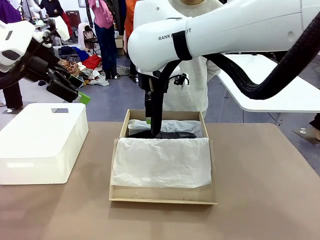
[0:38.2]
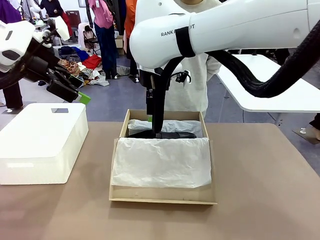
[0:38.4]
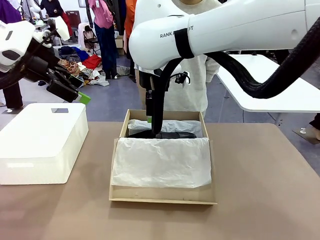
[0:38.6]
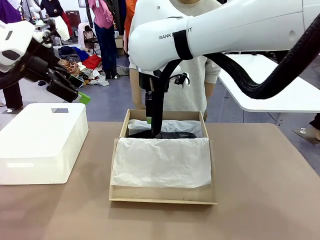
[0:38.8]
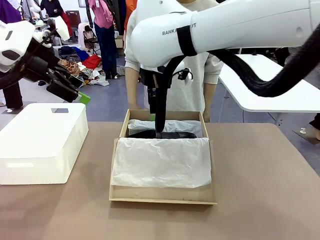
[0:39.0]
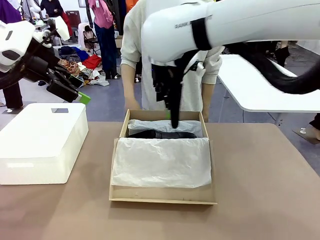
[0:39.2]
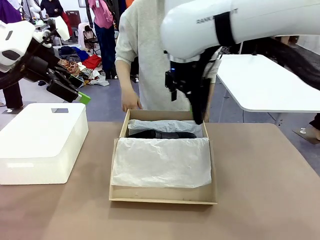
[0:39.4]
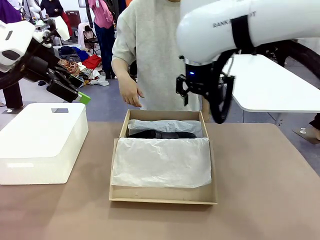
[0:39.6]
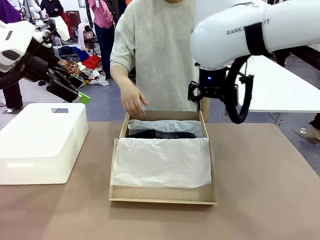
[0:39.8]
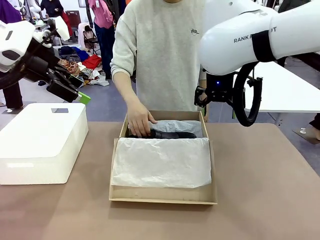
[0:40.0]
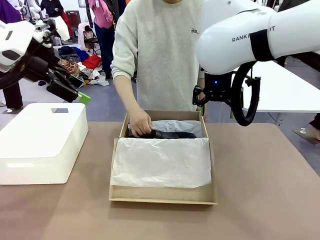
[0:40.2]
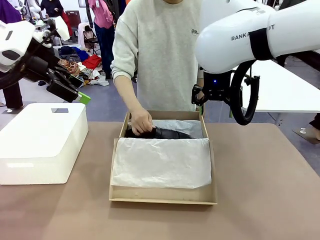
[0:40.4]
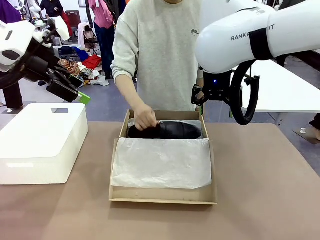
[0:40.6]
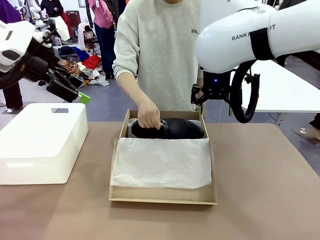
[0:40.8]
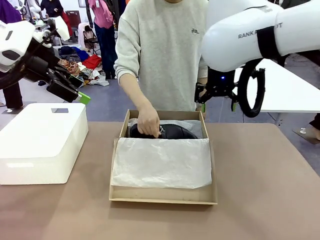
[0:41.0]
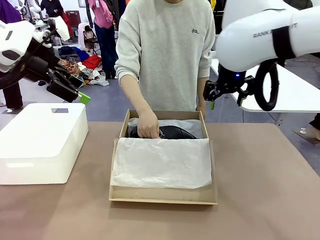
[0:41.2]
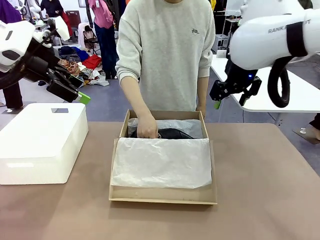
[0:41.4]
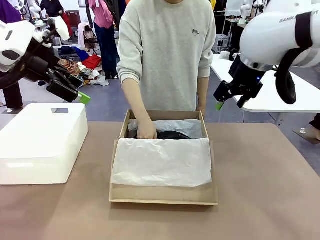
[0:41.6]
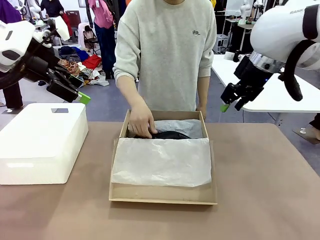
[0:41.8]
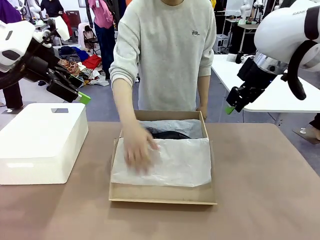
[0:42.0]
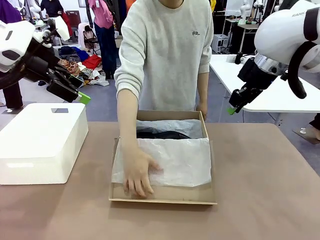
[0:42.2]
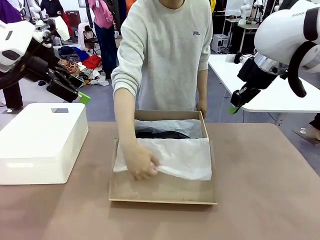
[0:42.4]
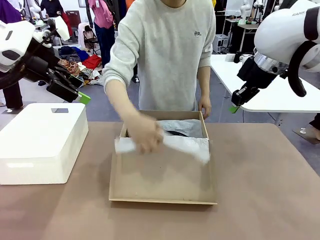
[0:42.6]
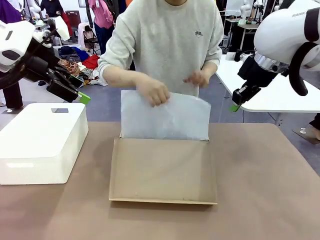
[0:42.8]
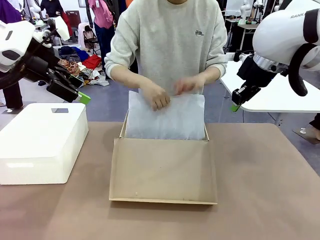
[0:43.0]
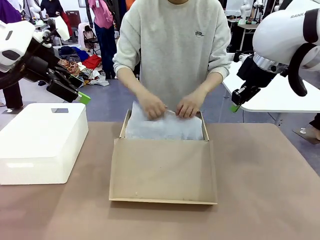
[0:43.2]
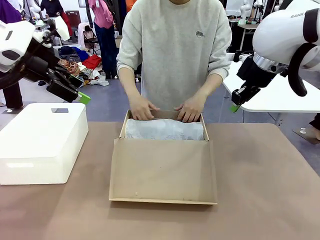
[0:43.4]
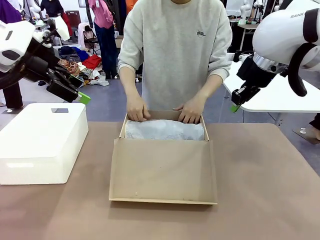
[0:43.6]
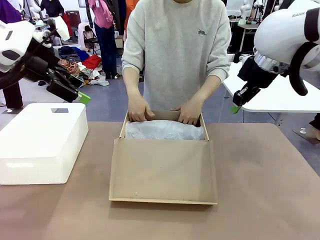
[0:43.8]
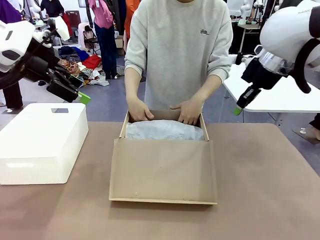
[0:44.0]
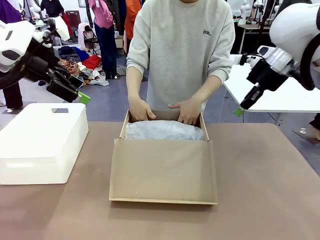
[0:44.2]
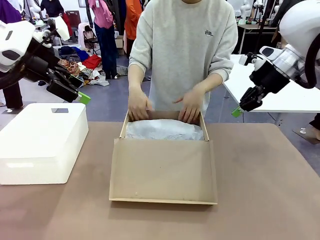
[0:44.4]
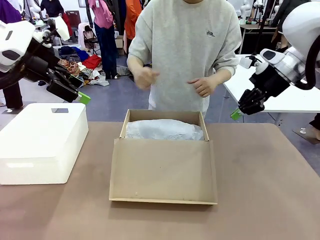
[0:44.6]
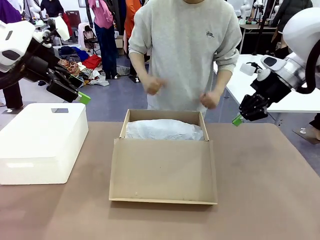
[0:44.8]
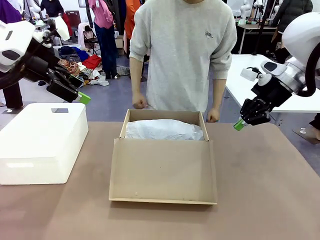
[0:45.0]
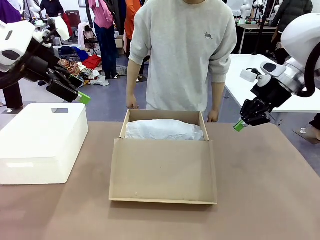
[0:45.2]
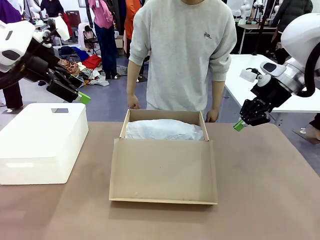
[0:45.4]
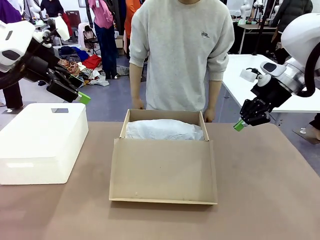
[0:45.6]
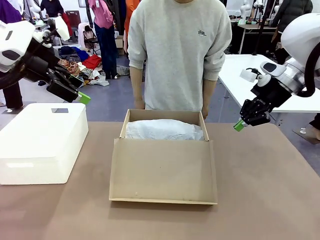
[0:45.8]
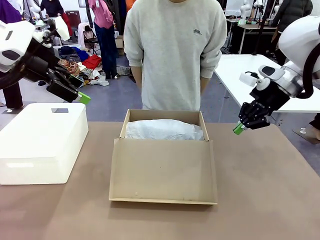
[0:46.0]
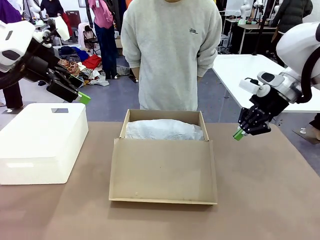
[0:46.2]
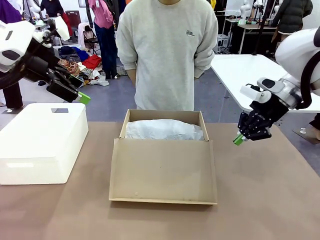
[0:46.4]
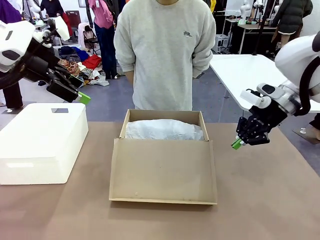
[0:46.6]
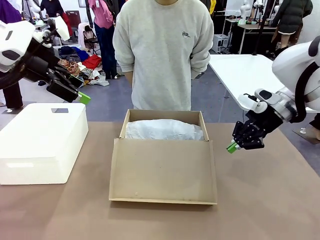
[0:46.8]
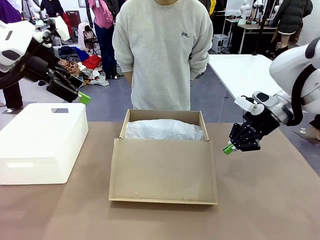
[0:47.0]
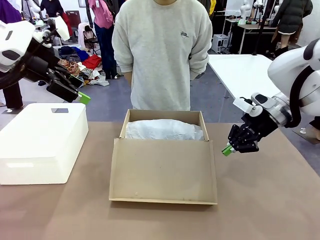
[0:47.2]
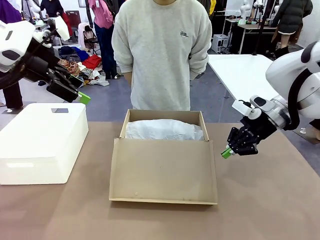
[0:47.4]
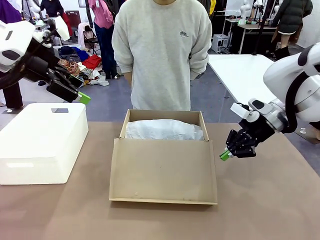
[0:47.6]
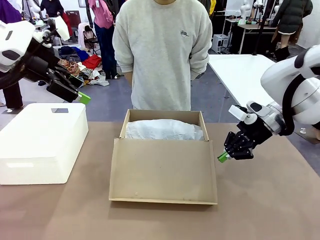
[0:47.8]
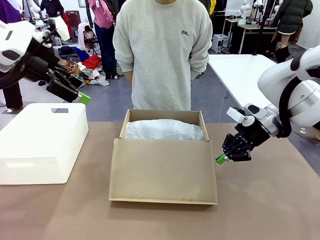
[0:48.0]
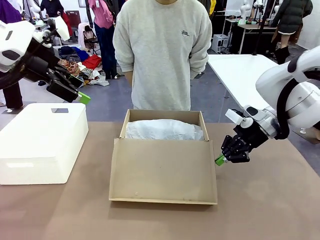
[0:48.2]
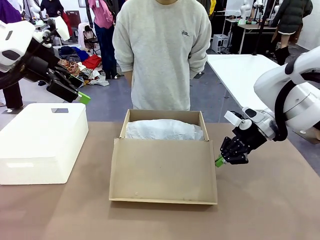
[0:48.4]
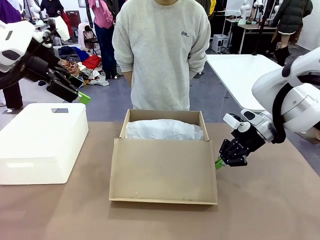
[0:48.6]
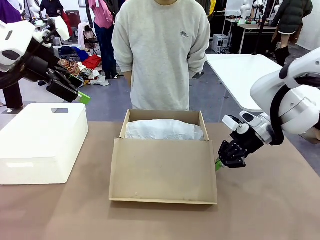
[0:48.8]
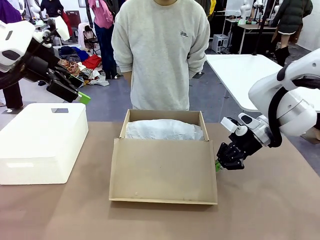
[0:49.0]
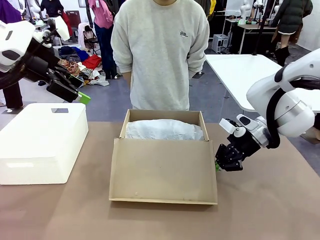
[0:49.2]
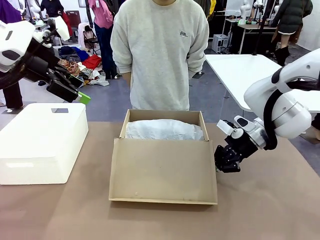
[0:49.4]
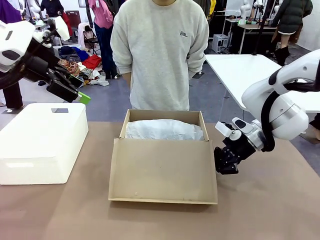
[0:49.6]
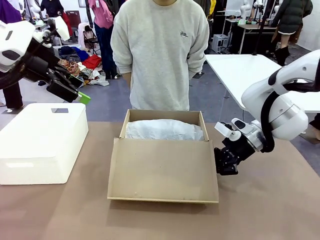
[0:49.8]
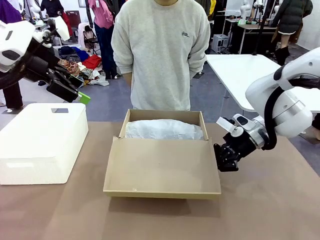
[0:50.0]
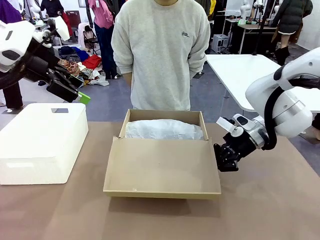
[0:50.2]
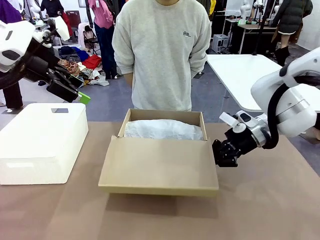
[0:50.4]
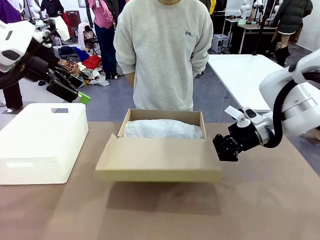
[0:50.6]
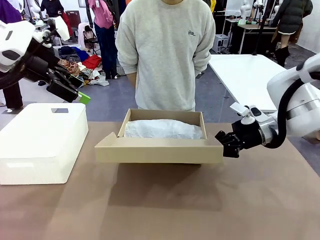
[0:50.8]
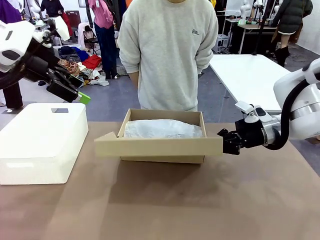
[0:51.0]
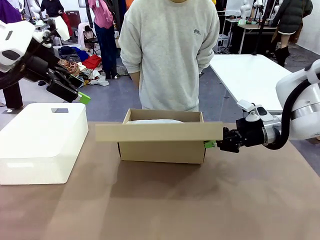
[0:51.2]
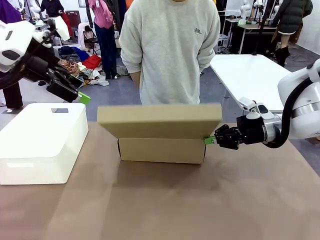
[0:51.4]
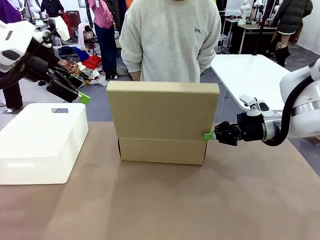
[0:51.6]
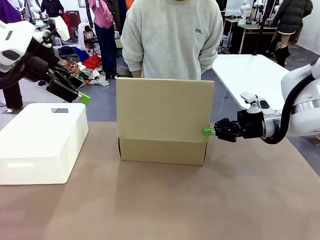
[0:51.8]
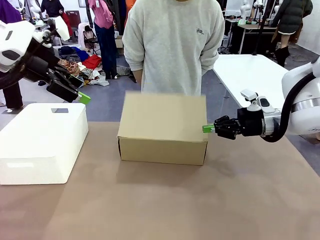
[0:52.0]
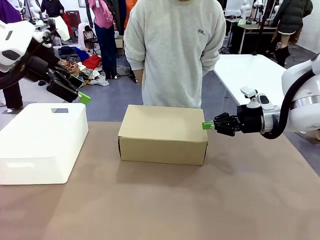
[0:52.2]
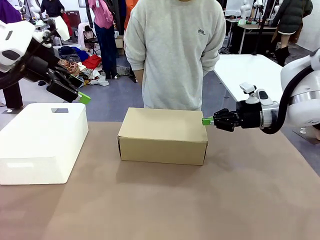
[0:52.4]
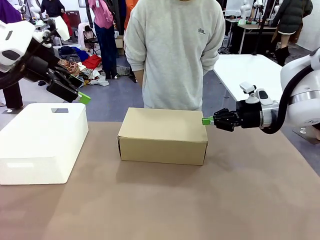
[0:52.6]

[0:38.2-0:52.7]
Task: Pack the shoes into the box.
Robot: Close the Shoes Box.
